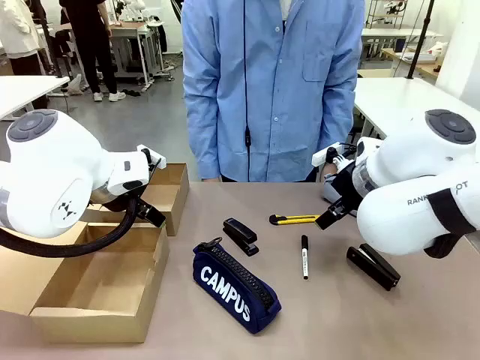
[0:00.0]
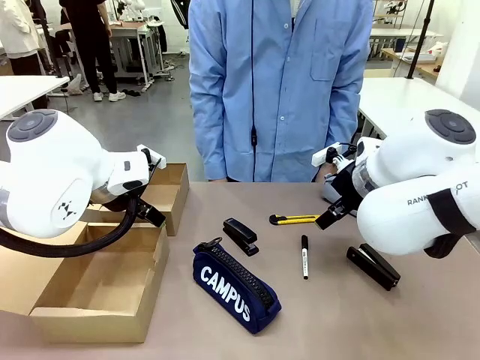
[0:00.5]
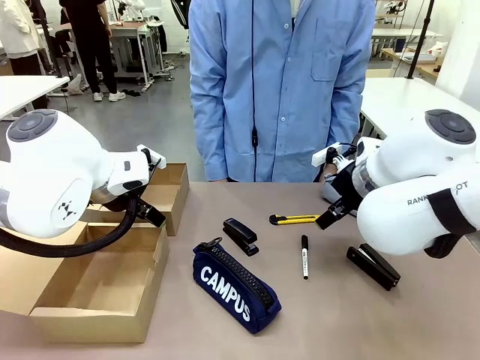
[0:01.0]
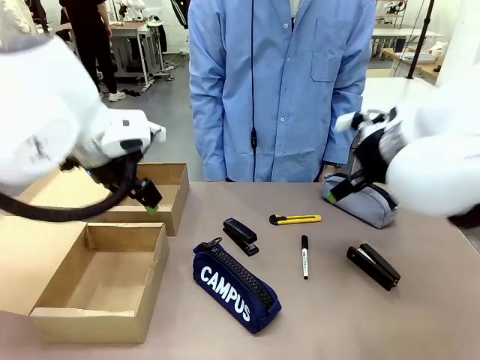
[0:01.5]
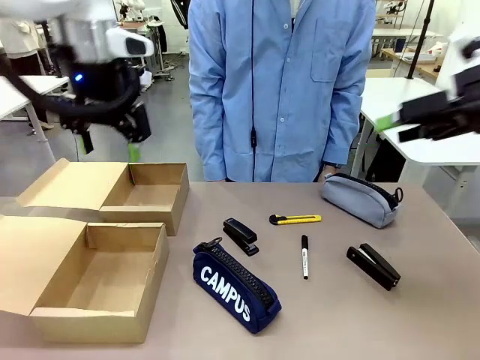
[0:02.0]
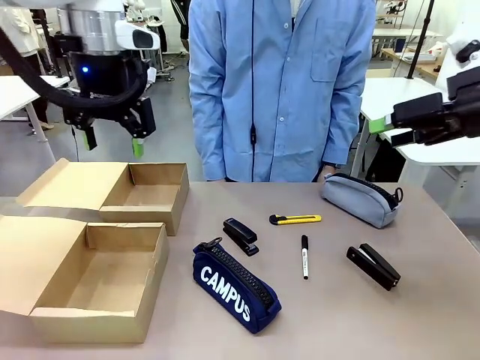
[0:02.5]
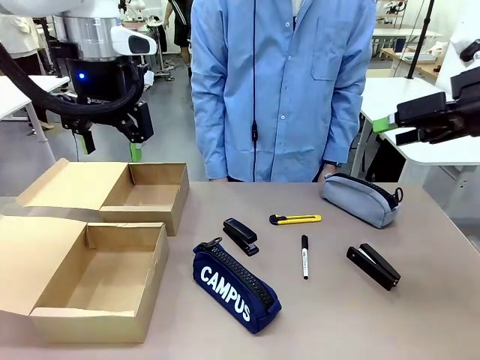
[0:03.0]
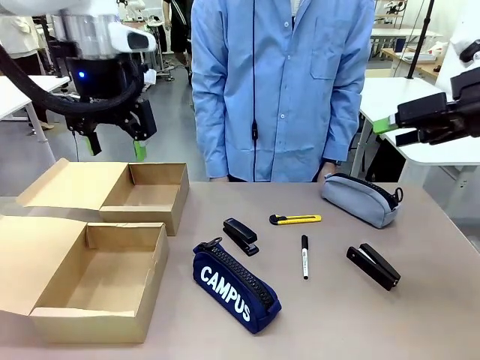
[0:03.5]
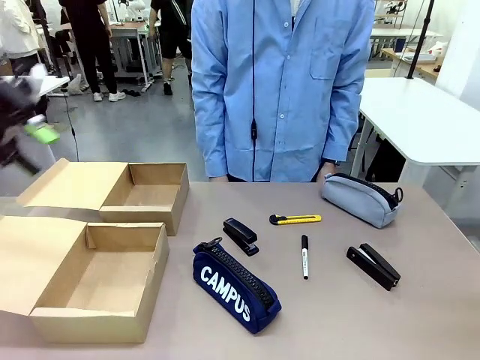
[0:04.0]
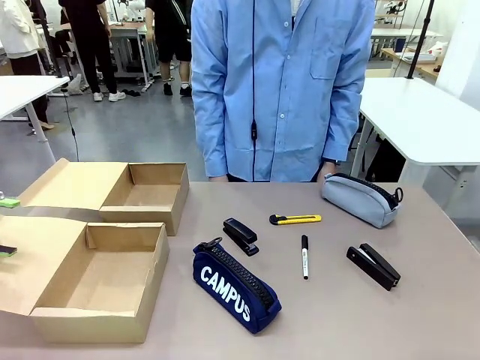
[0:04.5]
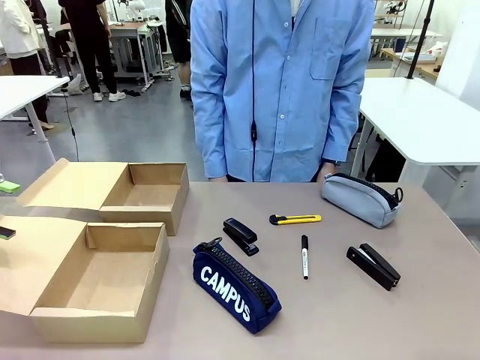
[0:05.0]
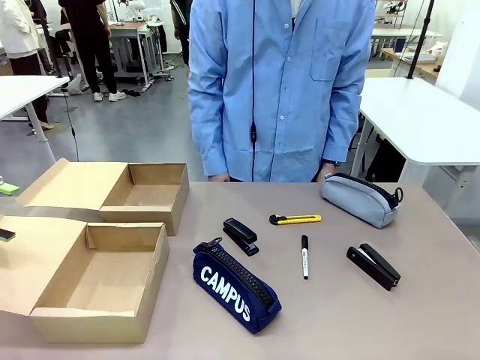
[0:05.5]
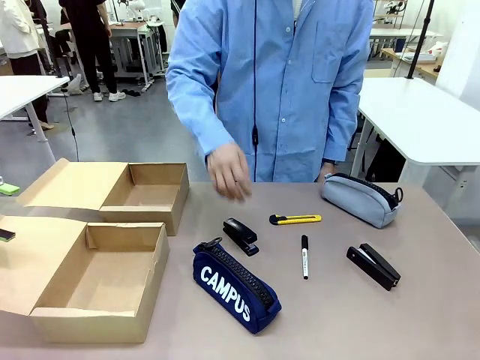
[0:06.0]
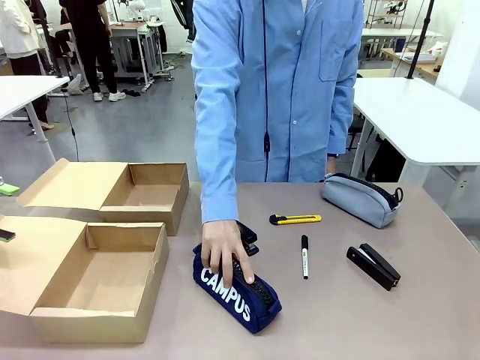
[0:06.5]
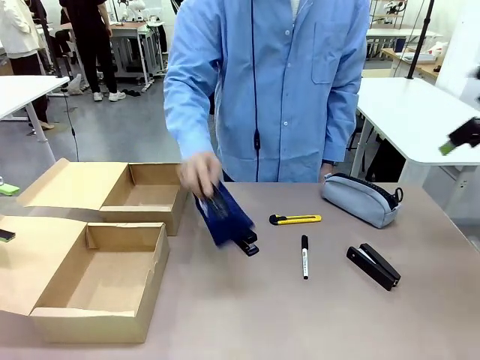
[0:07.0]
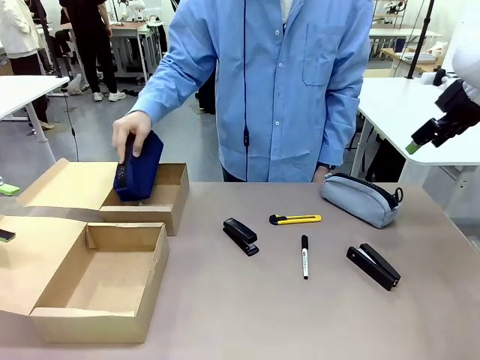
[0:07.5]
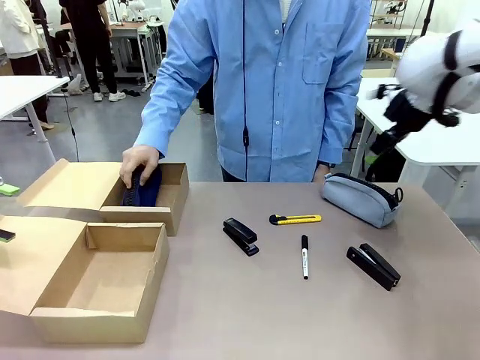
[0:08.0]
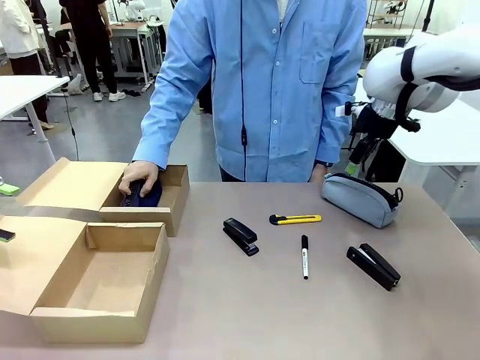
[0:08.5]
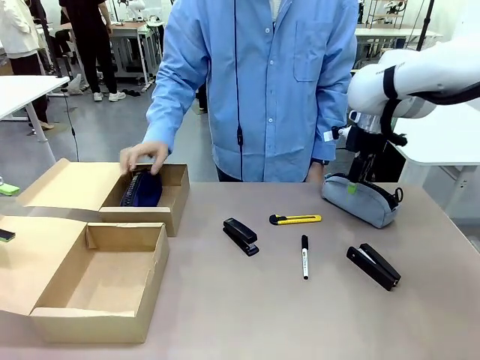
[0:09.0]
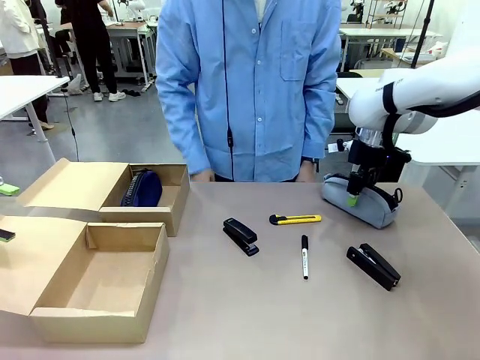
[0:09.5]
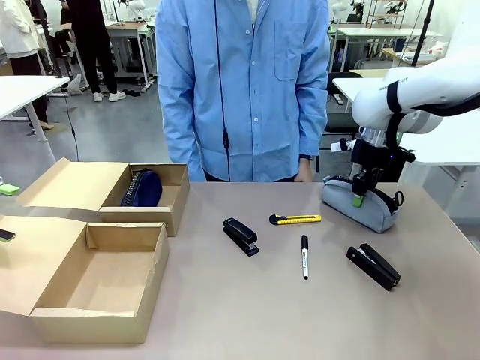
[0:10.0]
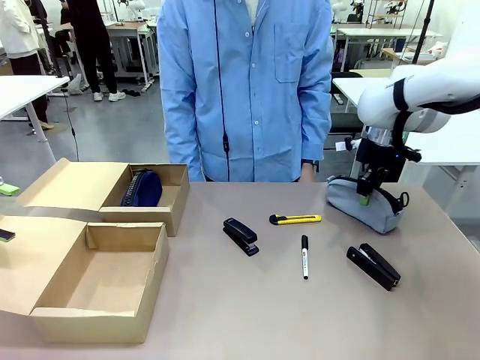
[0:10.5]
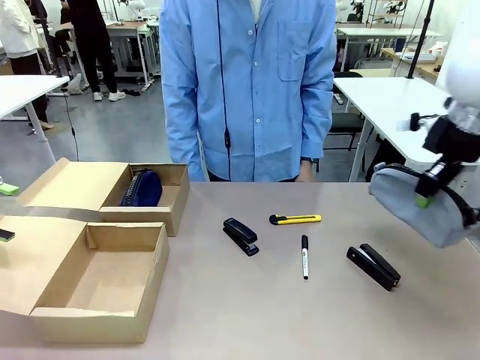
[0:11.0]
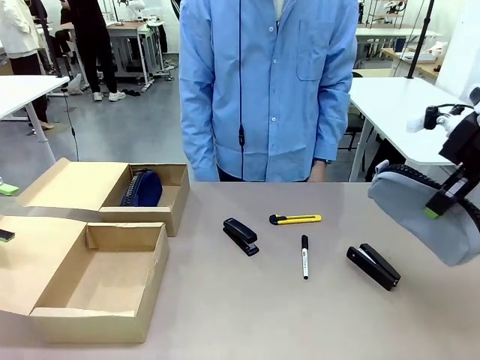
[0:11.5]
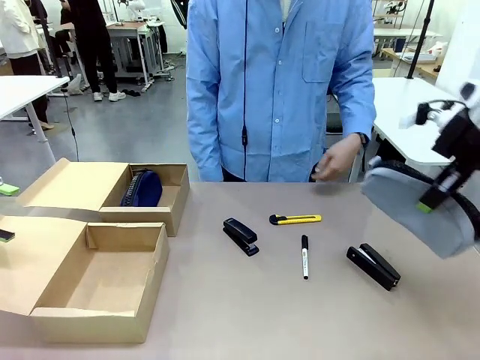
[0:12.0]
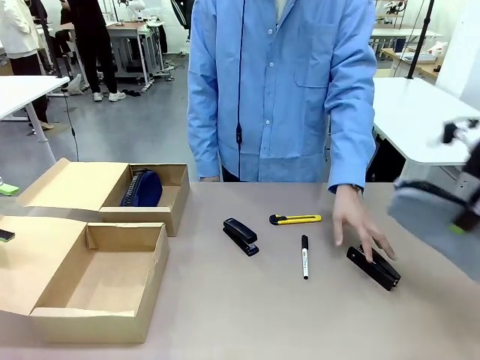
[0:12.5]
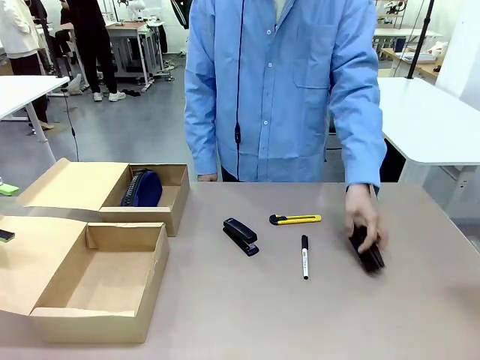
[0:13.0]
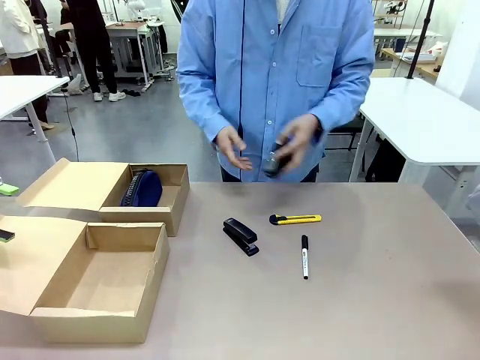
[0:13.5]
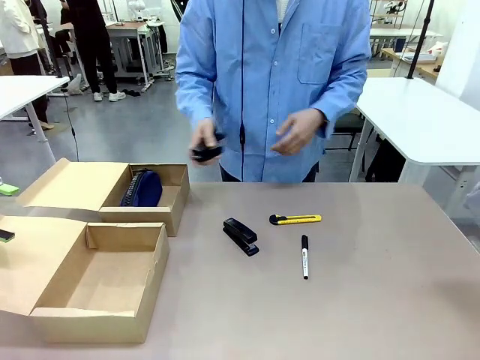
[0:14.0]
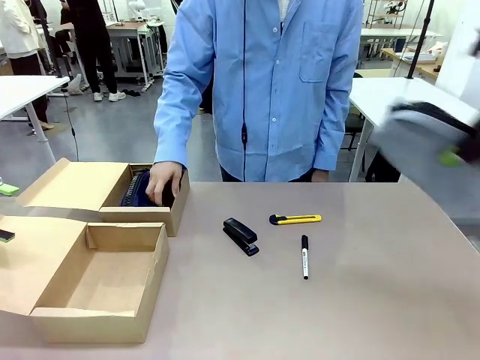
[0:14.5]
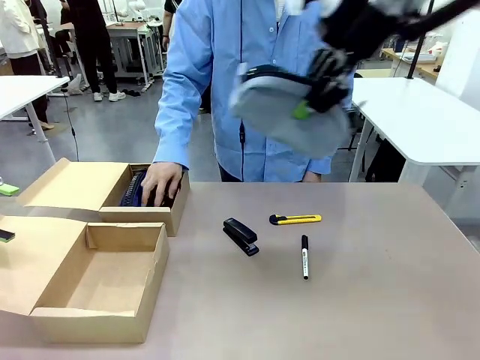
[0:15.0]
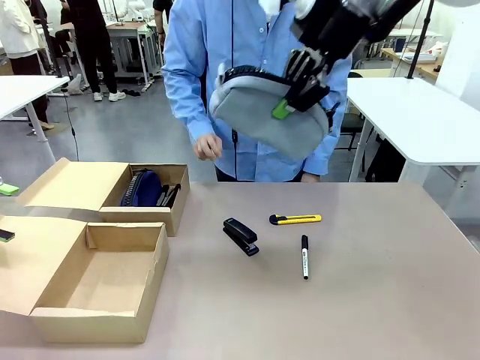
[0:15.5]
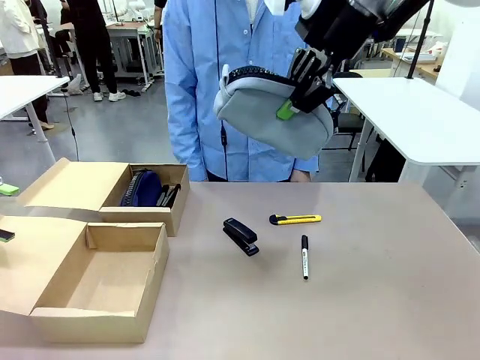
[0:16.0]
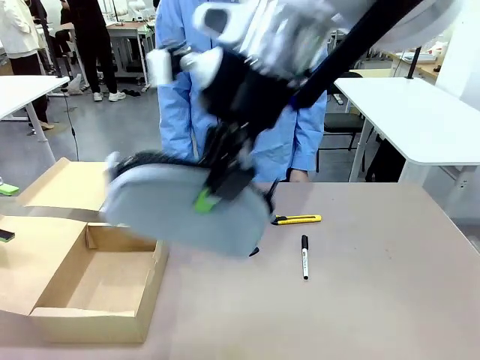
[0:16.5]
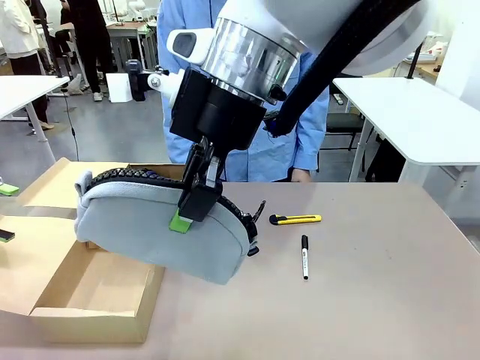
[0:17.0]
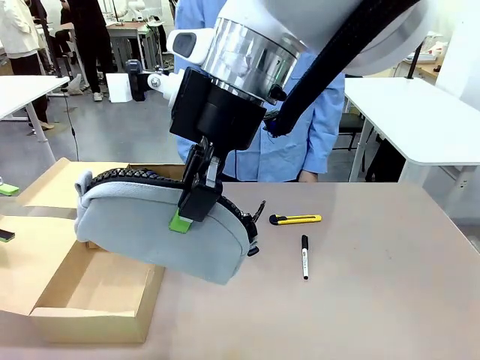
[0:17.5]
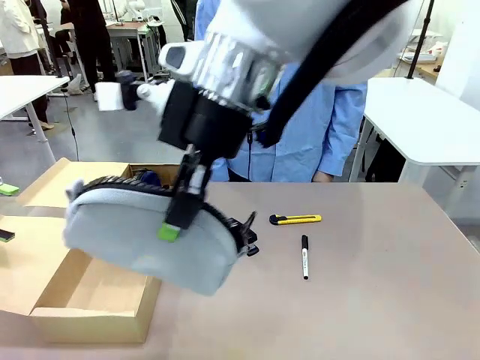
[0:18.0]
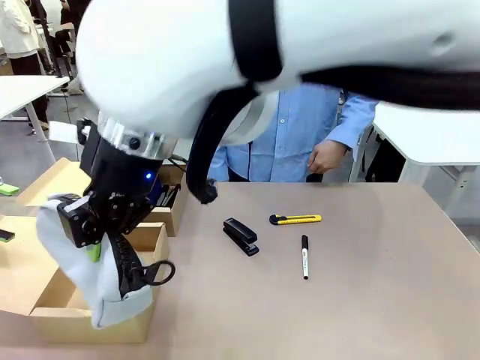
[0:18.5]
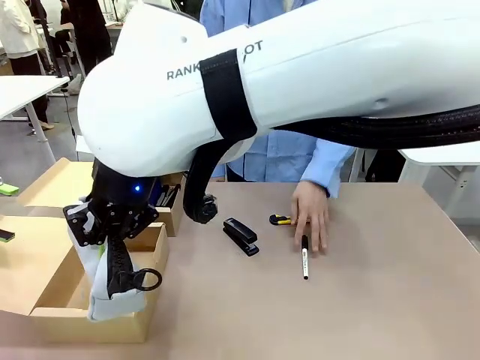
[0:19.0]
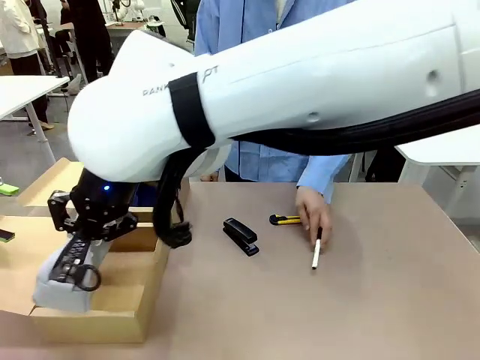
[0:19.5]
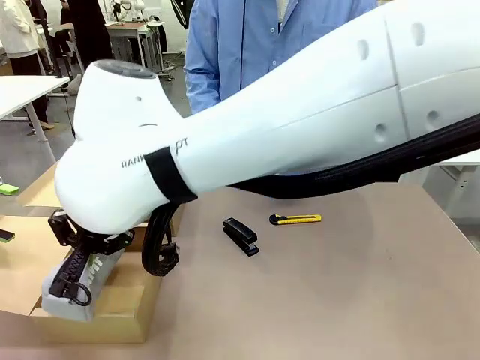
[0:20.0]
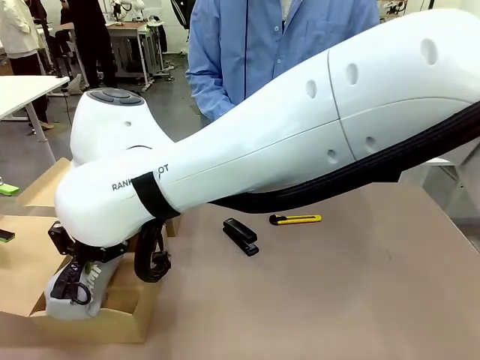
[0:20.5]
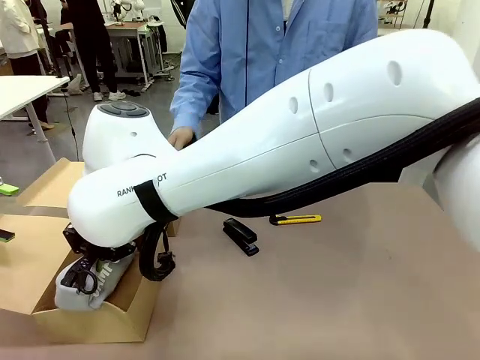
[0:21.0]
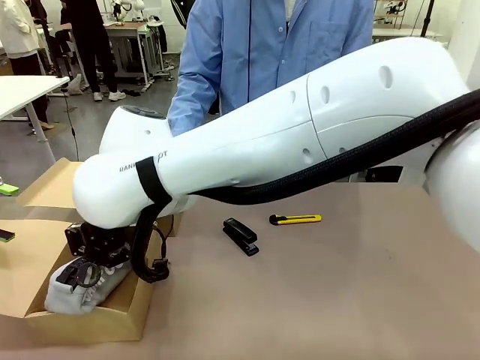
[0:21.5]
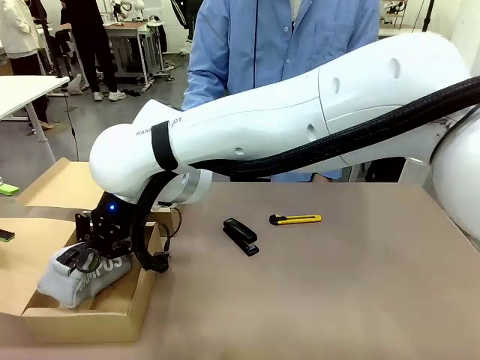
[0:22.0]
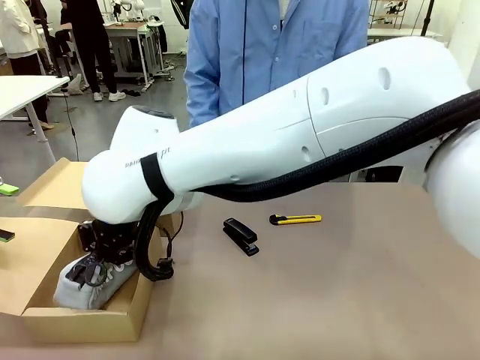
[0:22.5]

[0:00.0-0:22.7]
Task: Place items inside the box.
Robot: Pick up a Pencil pouch or Stapler and place it inside the Mailer Box closest to the robot.
Person: Pick up an object on the table and put it in the box.
